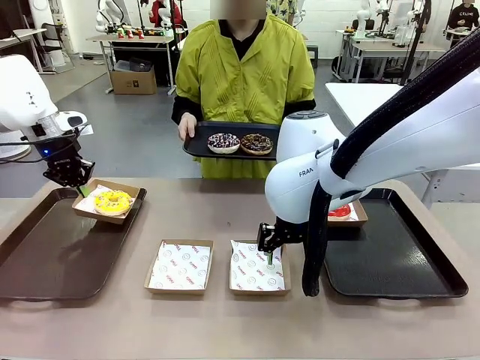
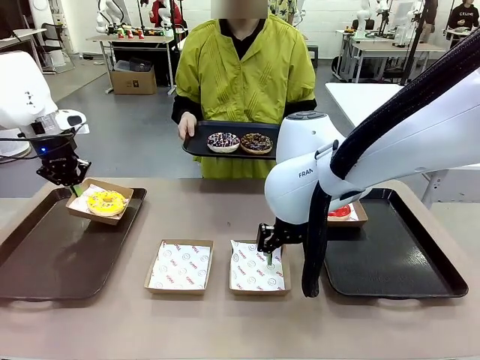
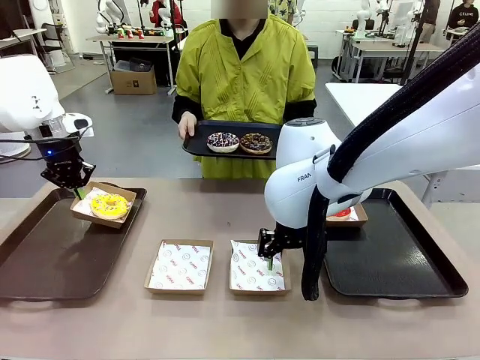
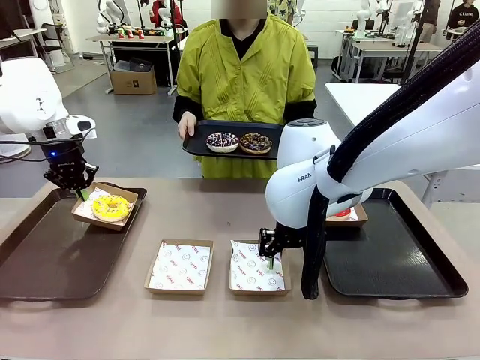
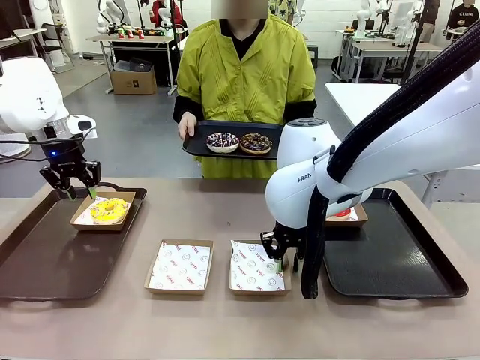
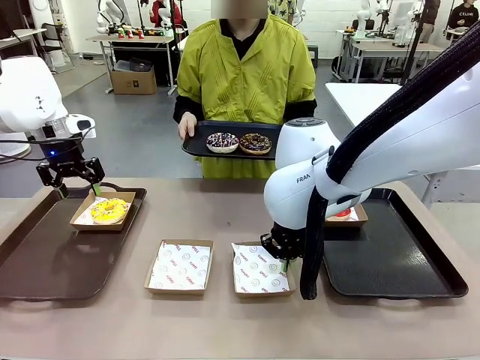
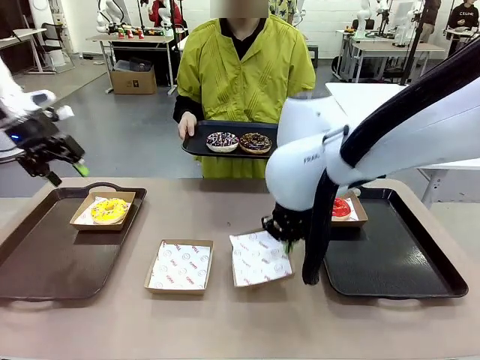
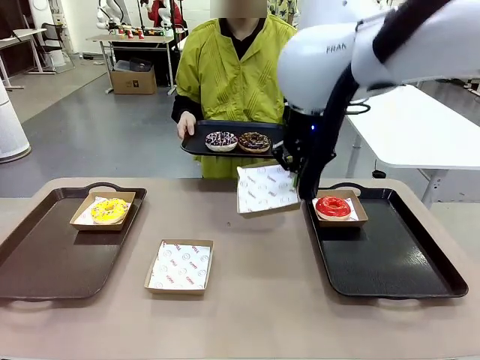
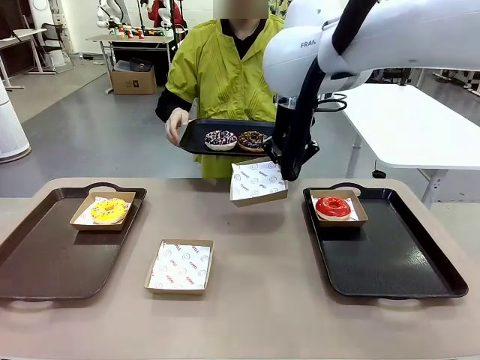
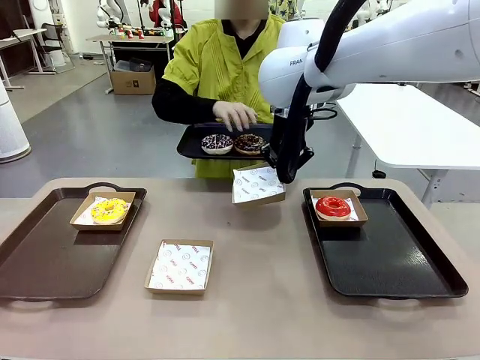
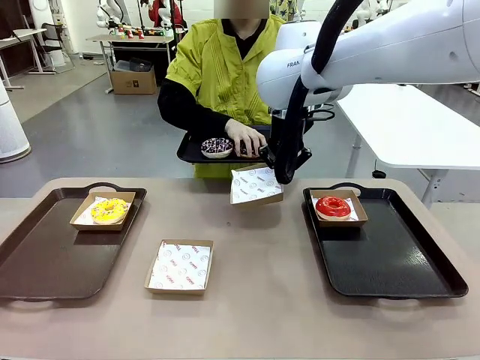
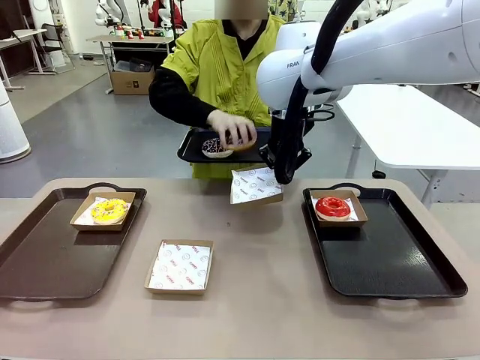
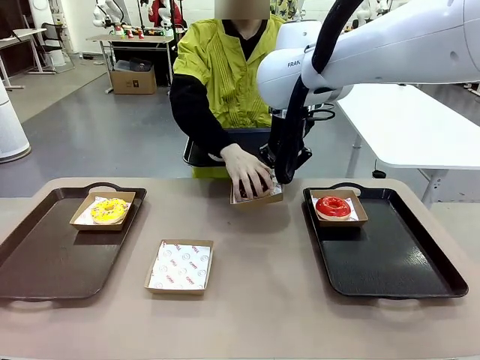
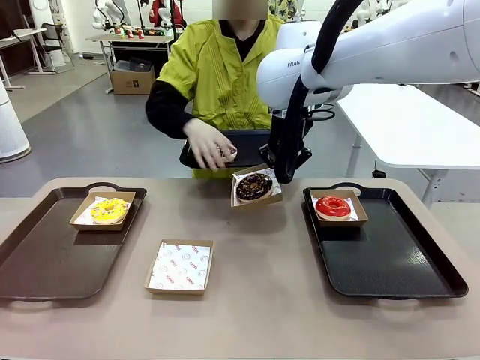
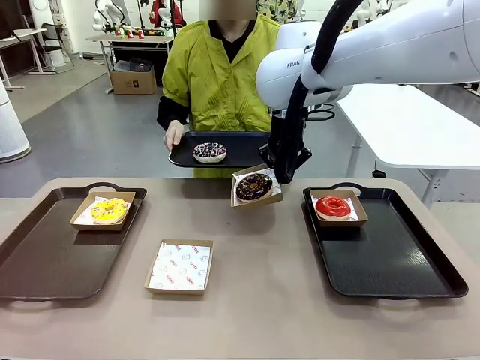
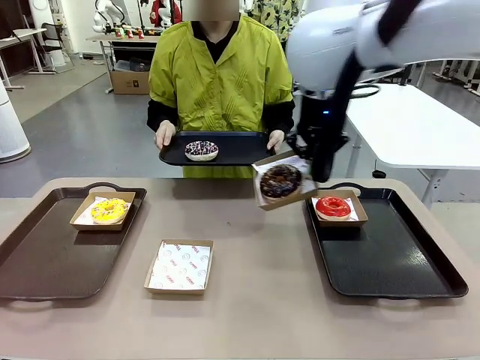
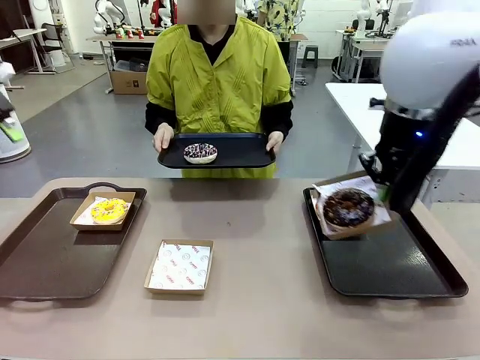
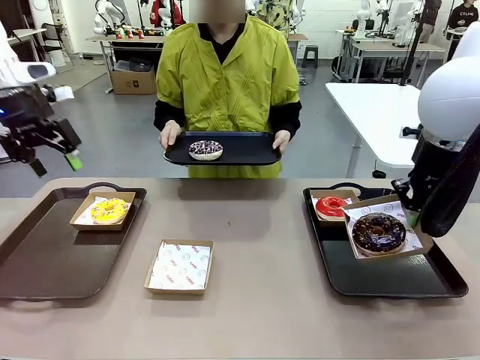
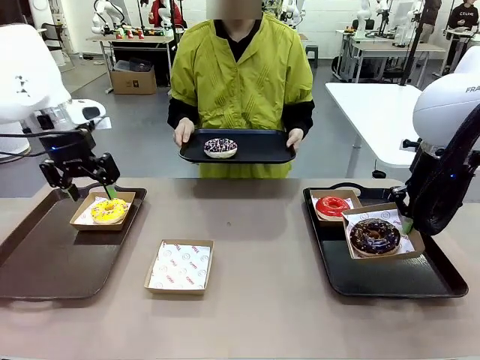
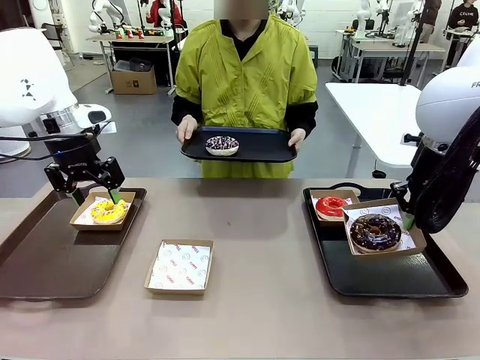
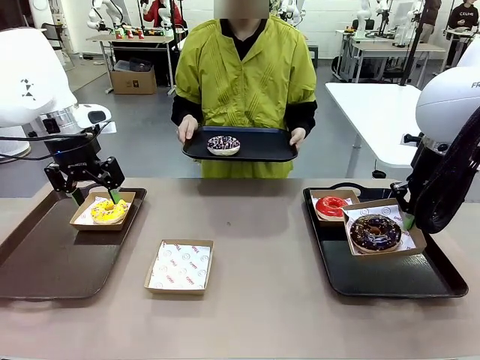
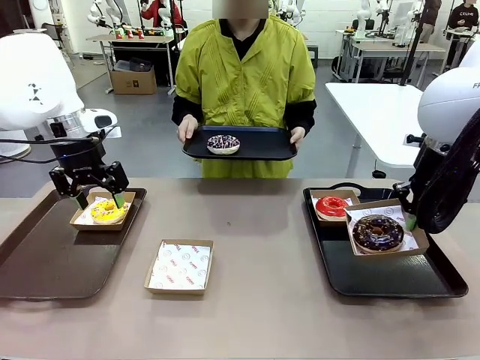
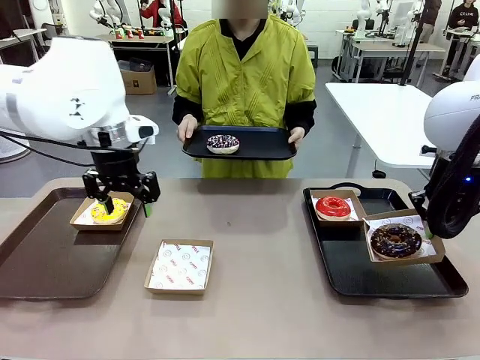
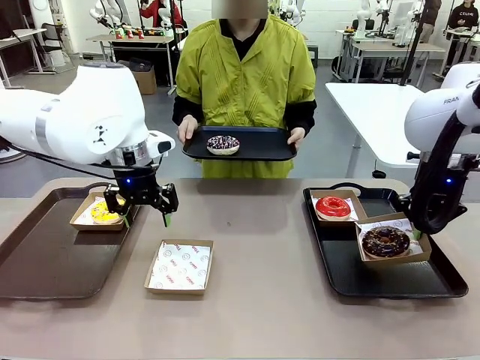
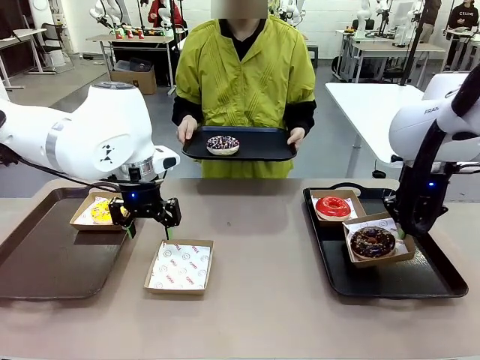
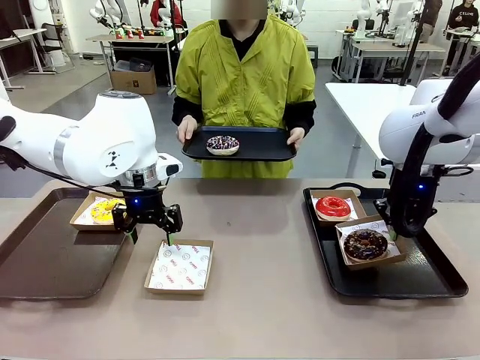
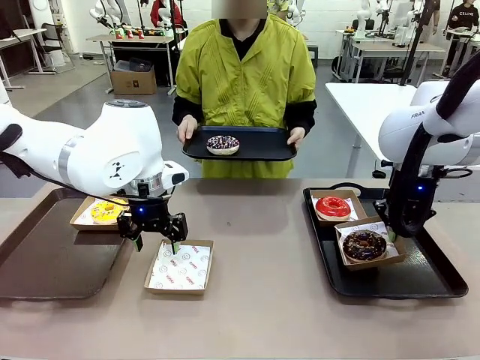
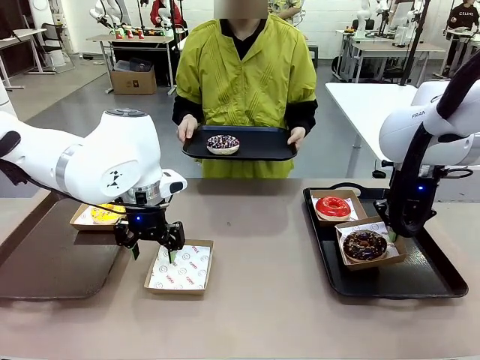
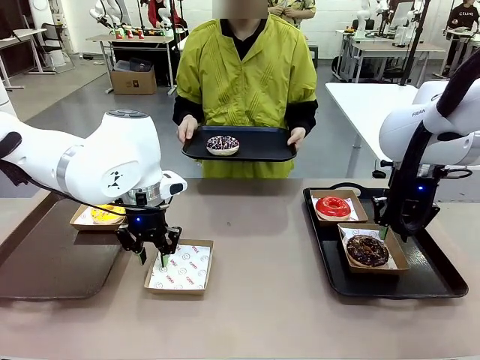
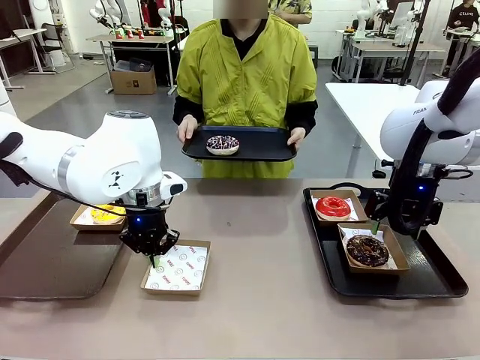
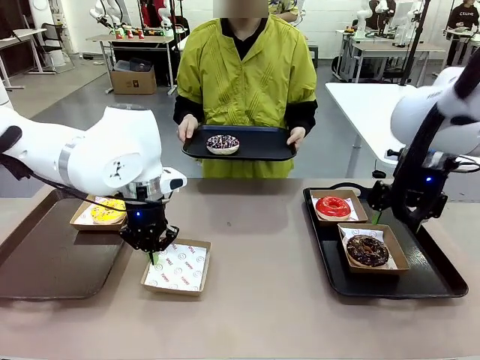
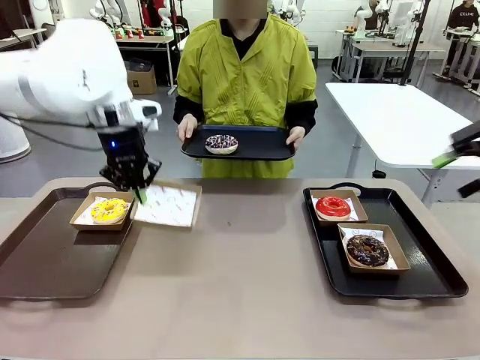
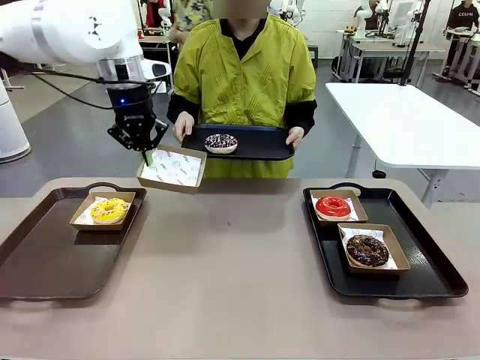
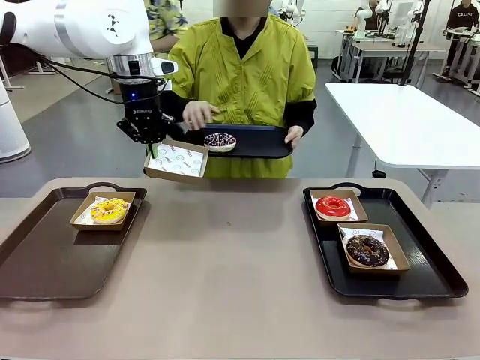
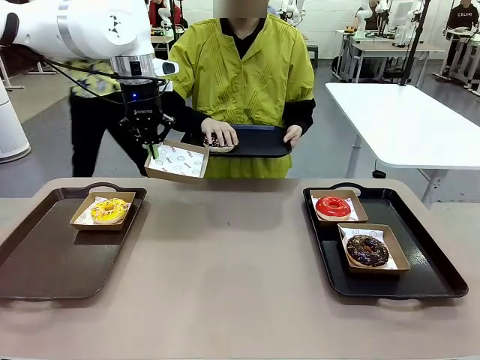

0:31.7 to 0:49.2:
Task: Individually package the donuts and arrange them on the tray.
Robot: Place the picked Paper togo box on the Handle tray while simultaneously picking up another Paper togo box from the table with the other hand.

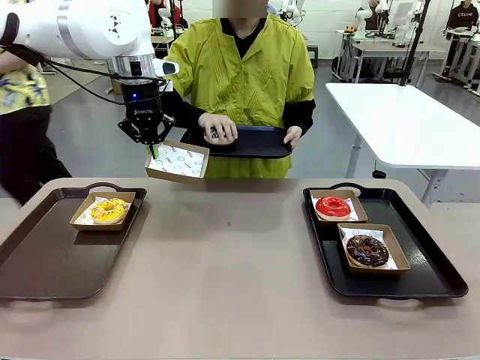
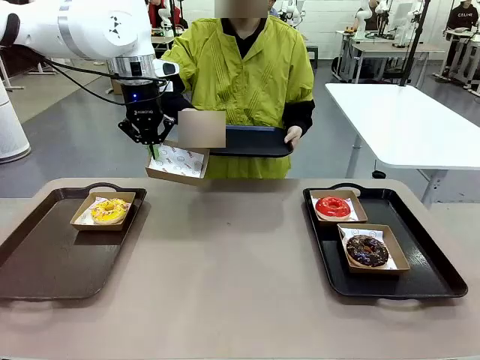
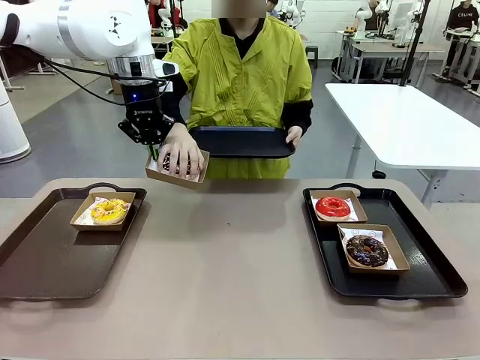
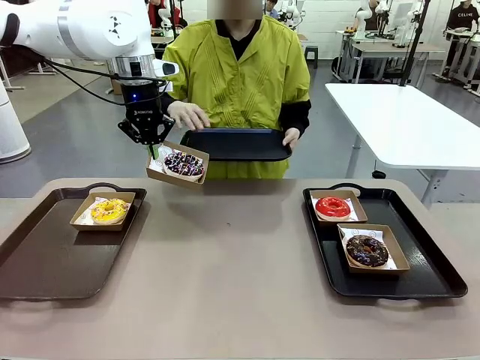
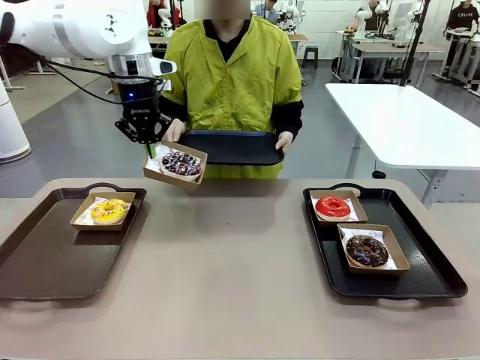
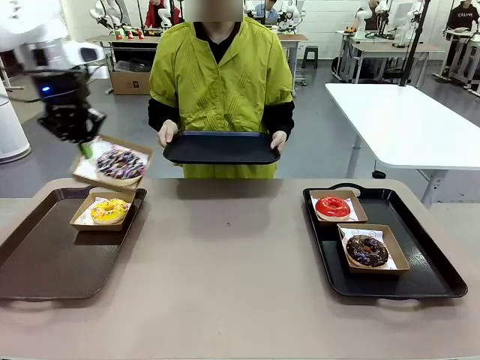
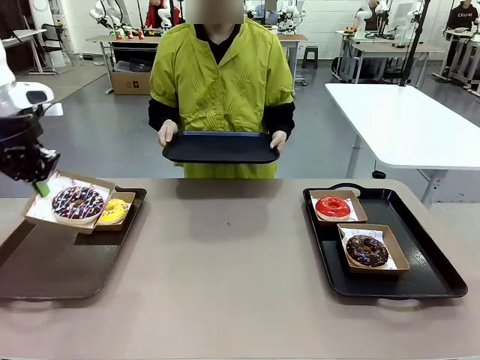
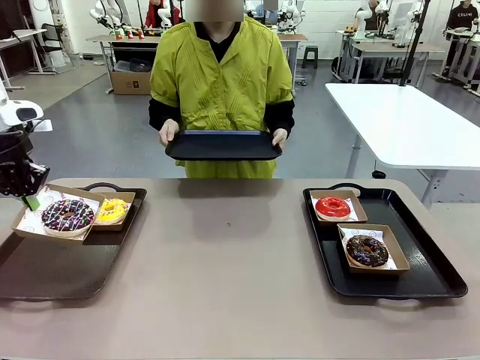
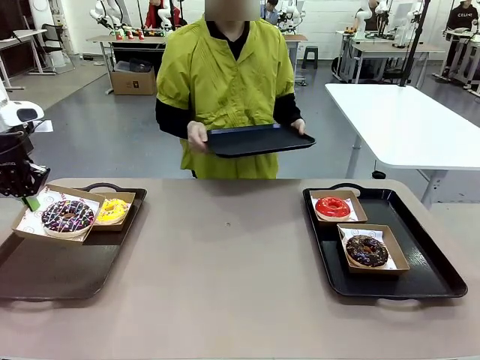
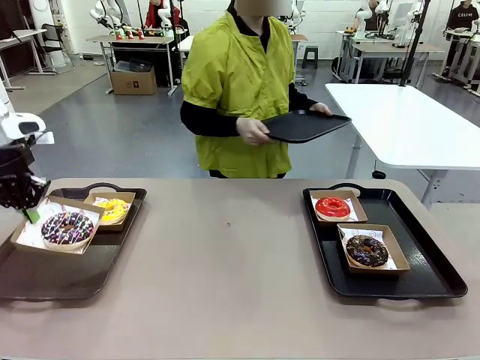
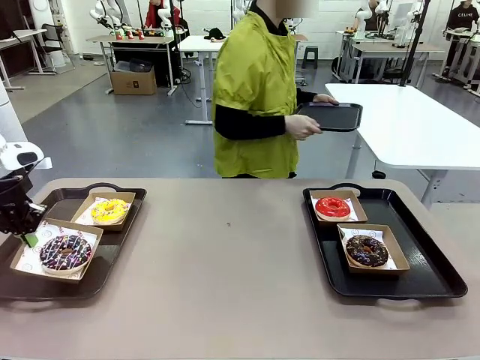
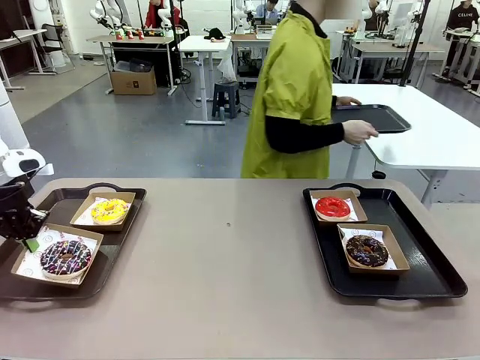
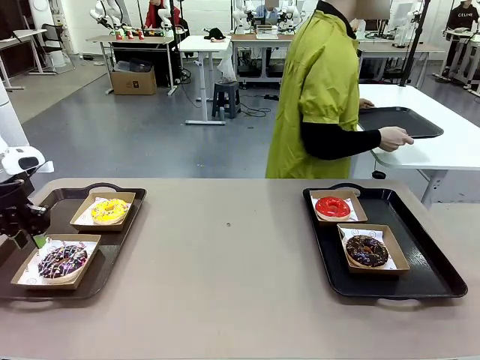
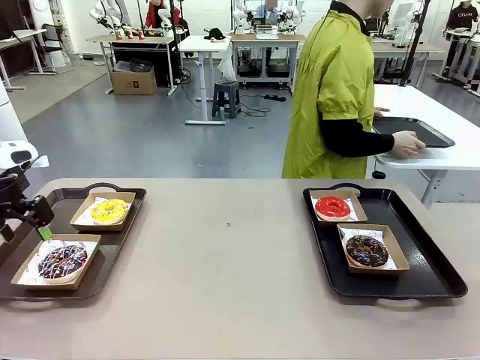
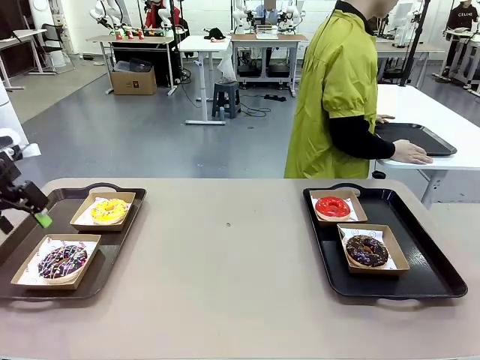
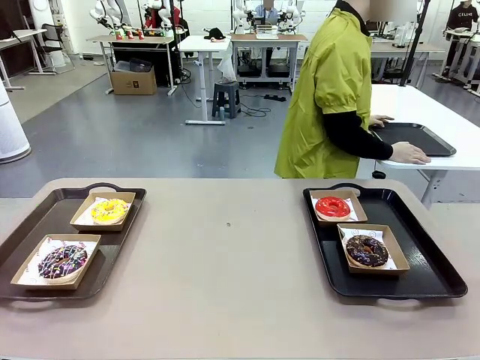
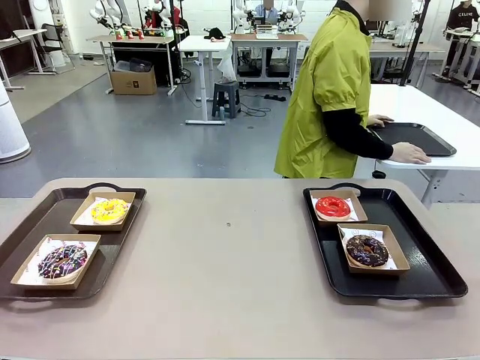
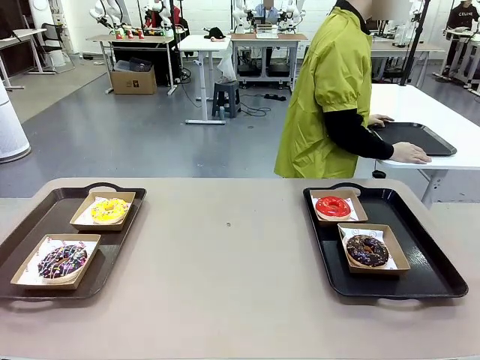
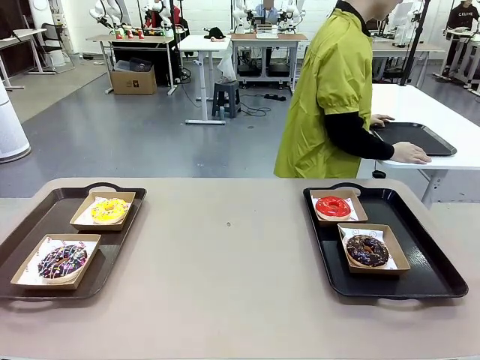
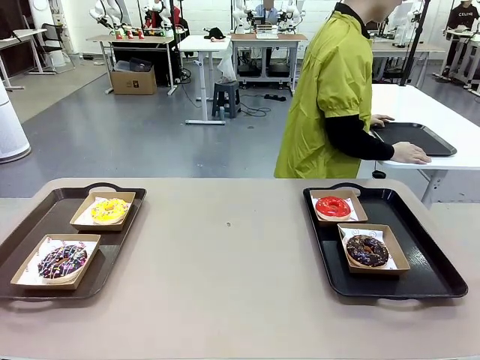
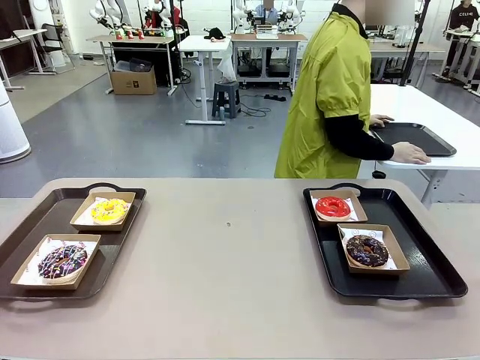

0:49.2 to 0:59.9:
Robot: Place the picked Paper togo box on the Handle tray.
Person: Place the tray down in the middle of the human table.
